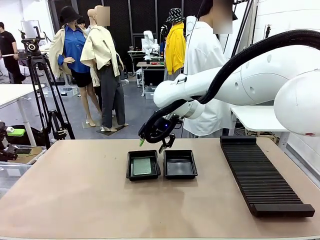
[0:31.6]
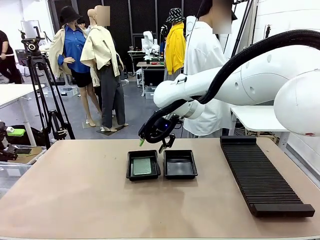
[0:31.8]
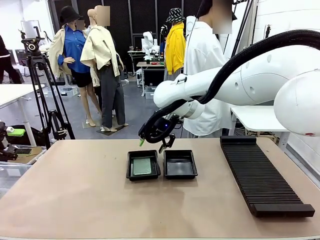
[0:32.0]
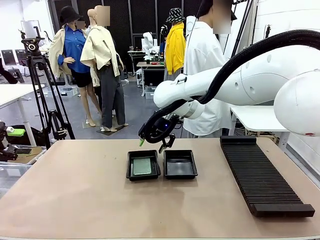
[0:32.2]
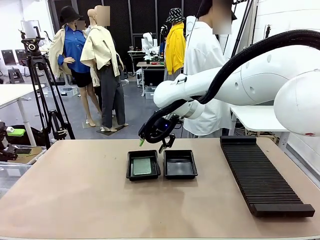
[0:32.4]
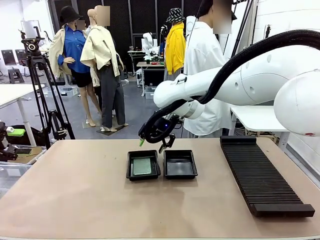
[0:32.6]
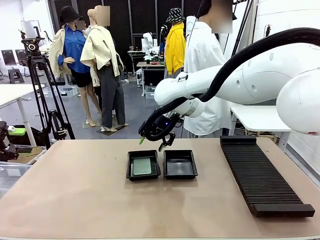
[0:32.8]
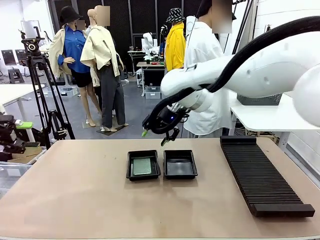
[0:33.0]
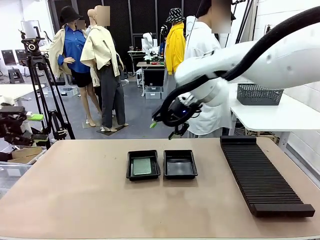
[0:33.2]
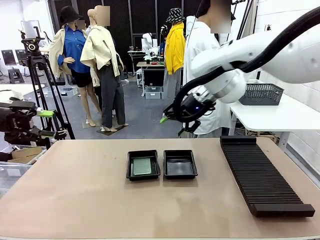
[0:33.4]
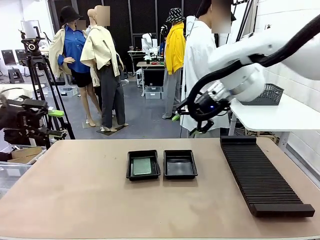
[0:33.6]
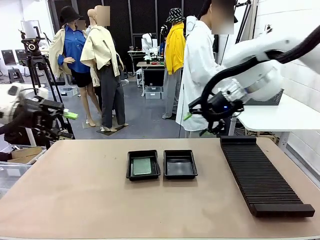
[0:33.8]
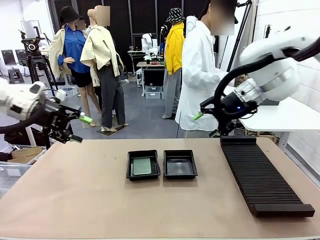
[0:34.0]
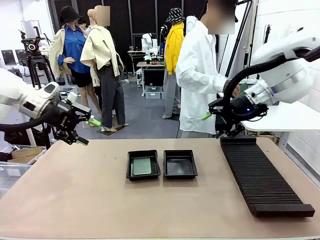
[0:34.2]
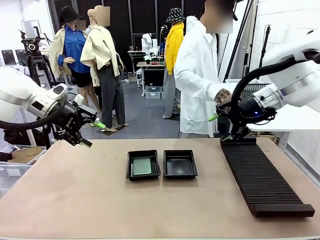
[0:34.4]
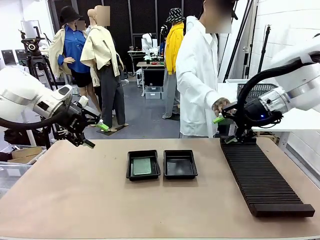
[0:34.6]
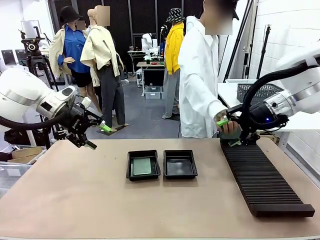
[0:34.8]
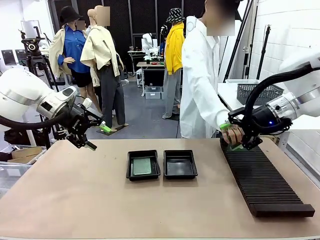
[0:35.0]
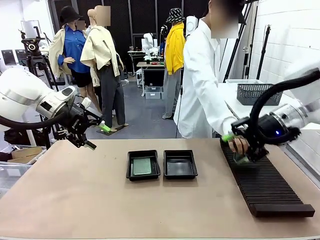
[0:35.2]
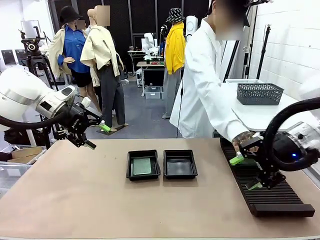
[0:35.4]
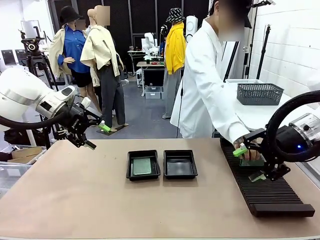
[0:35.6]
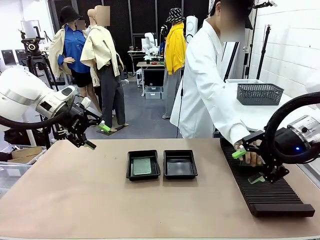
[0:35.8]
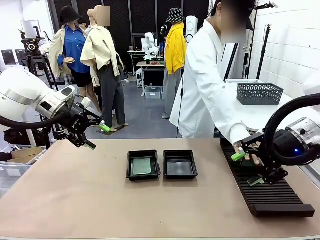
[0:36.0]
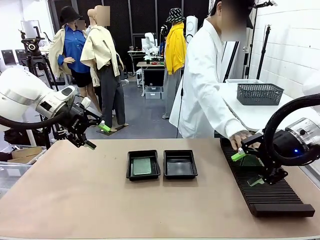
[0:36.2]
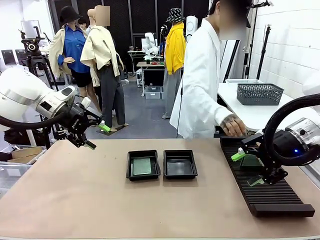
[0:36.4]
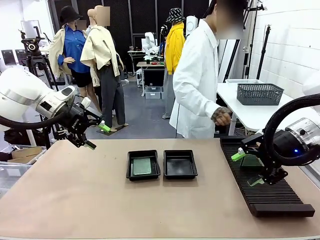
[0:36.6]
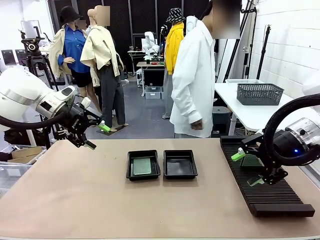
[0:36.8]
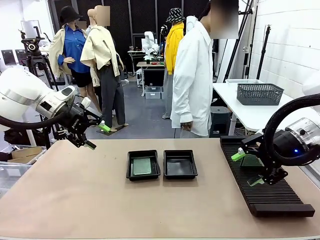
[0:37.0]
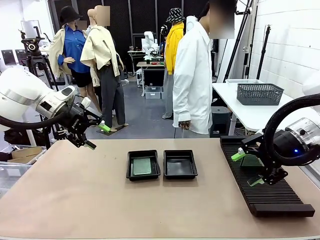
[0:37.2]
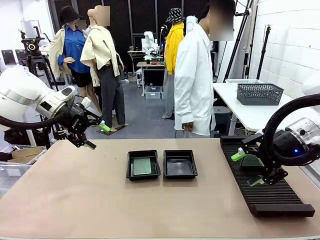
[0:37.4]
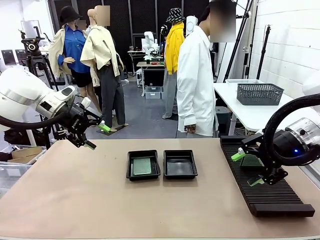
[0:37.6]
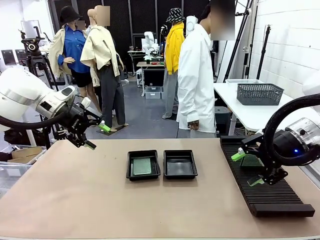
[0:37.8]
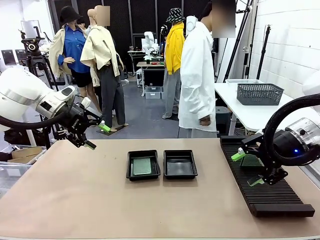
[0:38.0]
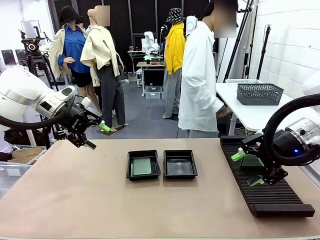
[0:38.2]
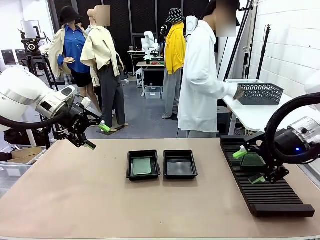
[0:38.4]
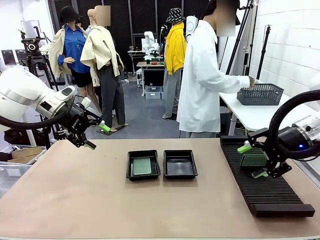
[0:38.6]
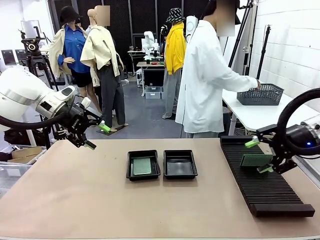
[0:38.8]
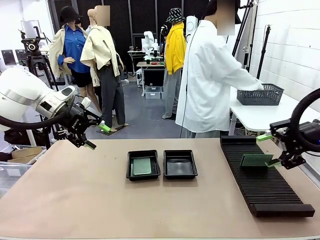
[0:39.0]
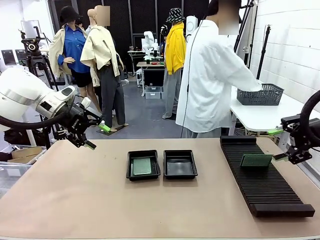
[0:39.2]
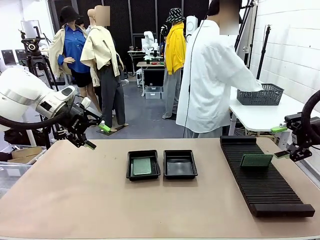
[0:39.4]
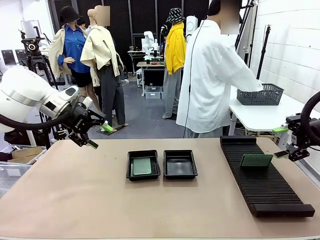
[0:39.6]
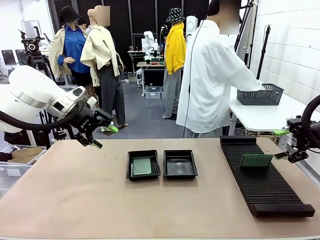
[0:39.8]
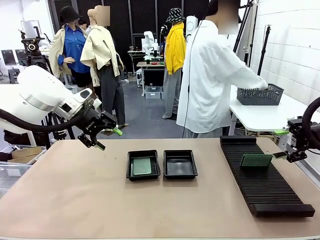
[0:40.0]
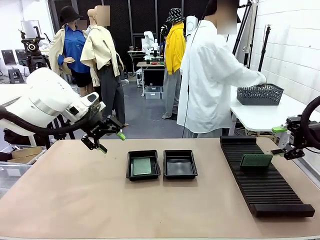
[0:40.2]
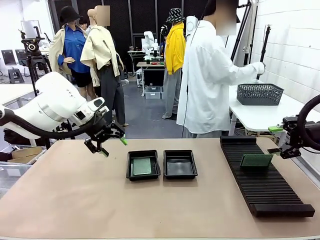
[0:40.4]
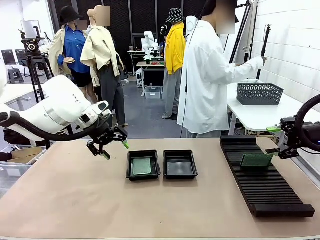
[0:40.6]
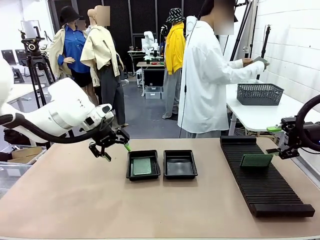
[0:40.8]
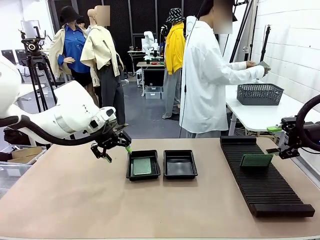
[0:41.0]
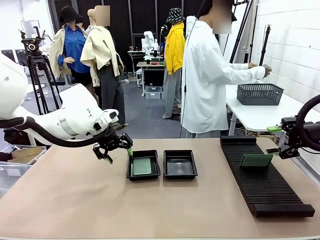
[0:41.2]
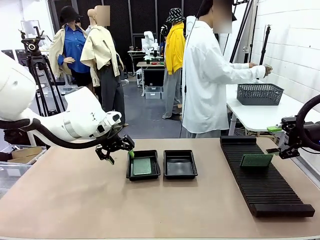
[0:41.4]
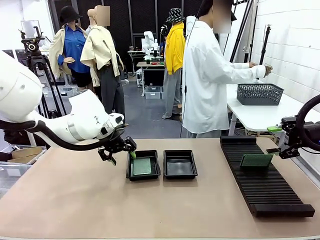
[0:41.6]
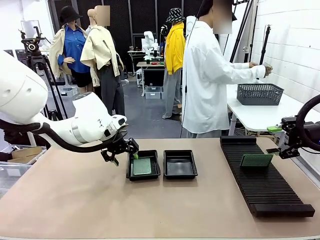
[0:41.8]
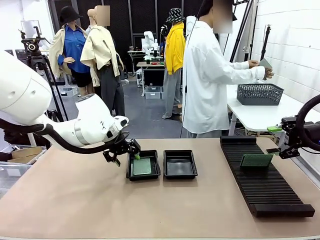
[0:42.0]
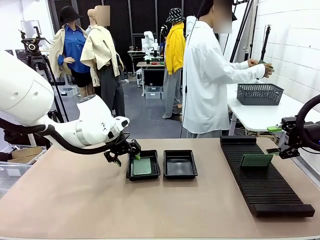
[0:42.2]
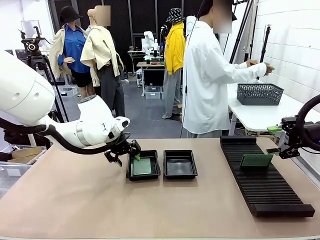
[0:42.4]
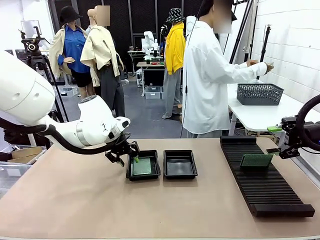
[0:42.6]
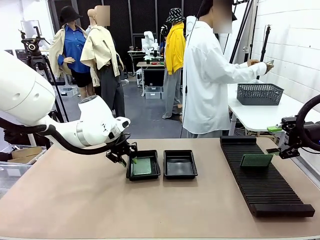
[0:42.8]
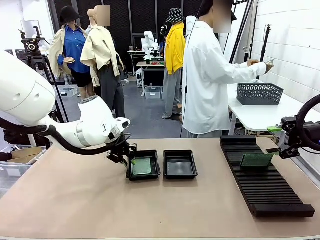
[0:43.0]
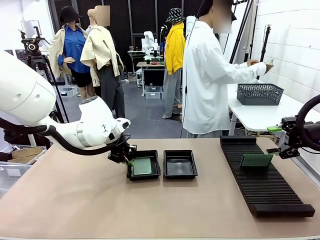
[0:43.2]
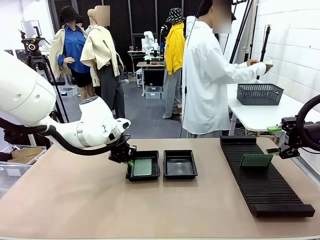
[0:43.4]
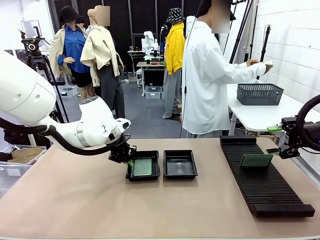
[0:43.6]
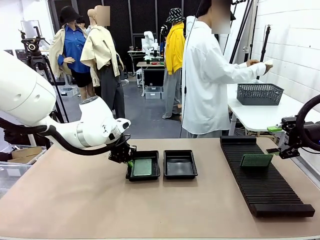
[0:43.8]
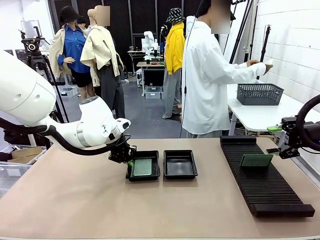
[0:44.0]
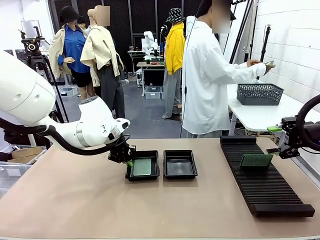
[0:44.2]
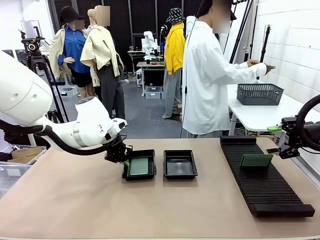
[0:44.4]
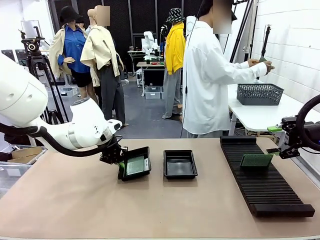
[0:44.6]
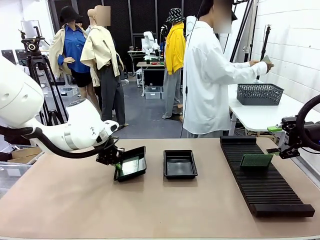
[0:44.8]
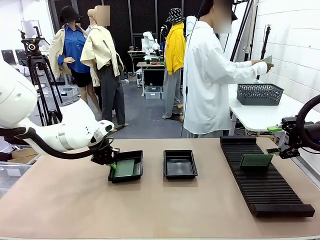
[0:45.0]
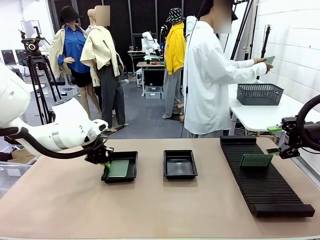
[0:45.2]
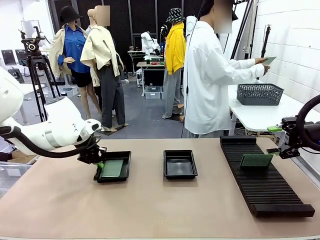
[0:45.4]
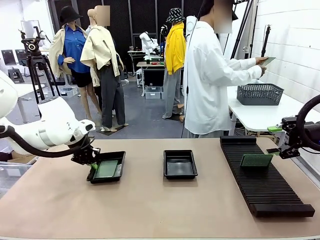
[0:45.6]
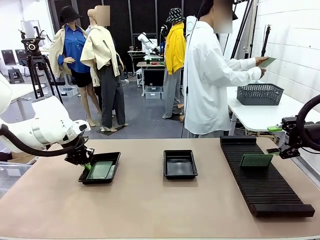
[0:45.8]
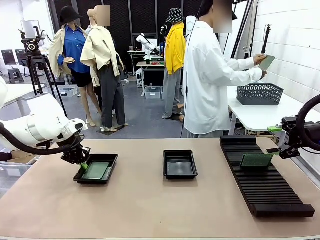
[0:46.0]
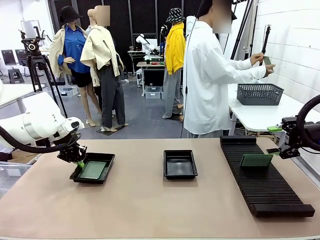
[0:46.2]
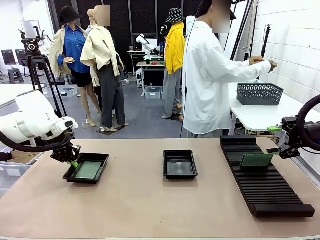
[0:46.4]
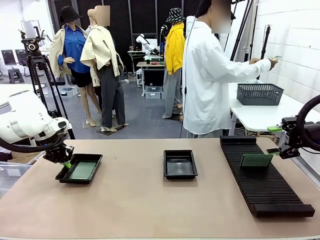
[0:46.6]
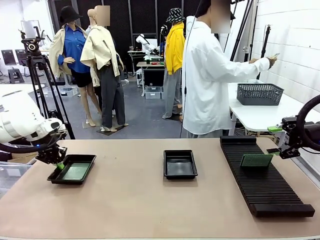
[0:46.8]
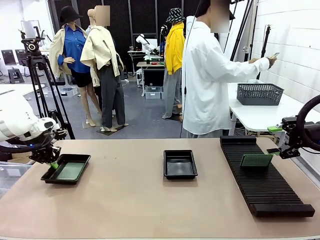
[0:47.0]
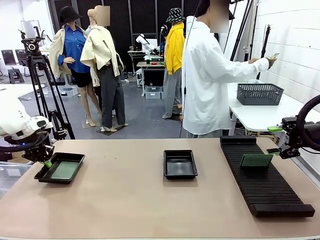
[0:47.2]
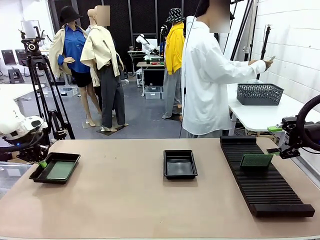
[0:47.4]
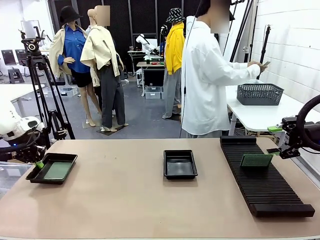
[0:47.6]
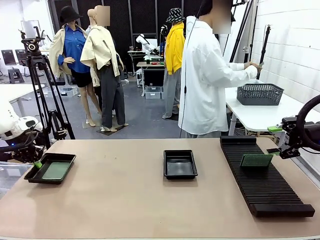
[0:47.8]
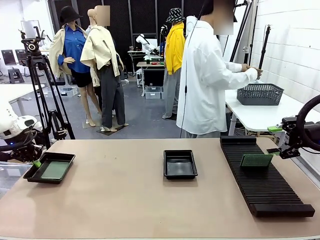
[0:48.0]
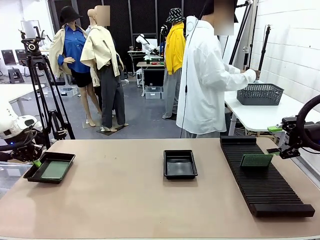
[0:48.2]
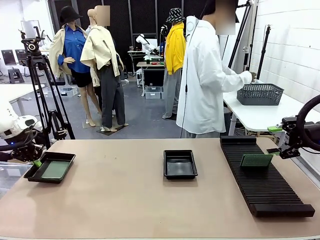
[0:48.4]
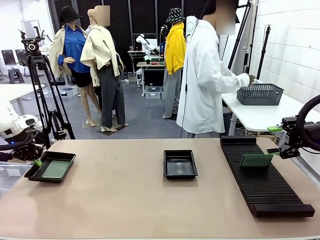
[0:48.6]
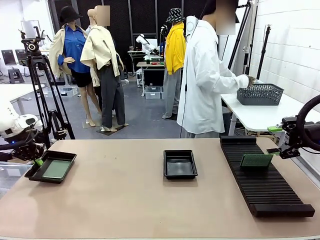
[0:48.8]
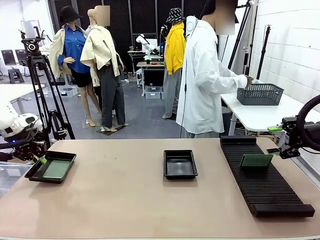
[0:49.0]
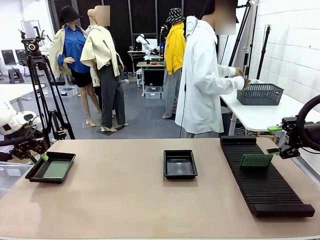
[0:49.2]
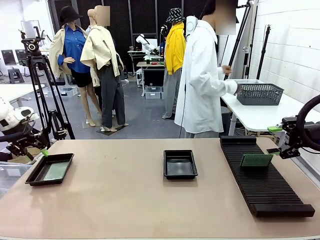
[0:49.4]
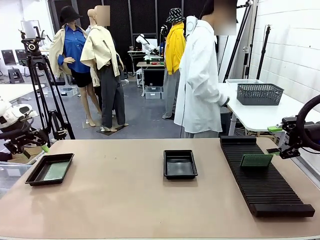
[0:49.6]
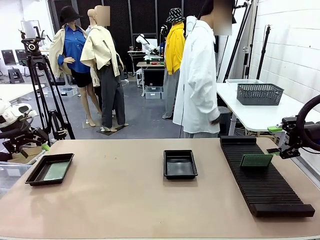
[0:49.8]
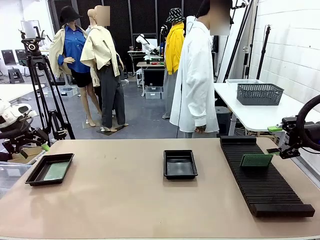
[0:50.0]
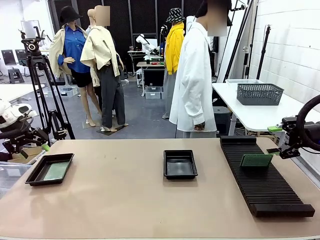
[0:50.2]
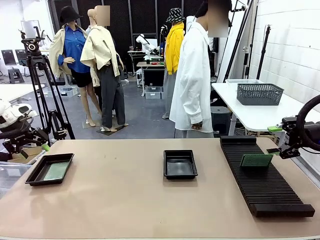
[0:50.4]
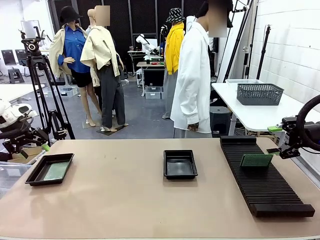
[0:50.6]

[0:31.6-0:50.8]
Task: Inspect and transfer BCBs to ESD trays.
Robot: Pick up the ESD tray and place it on the left side of the table.
